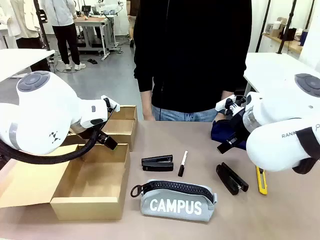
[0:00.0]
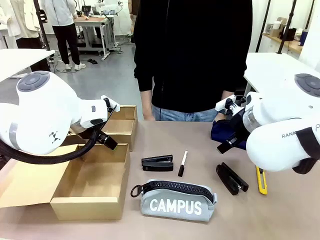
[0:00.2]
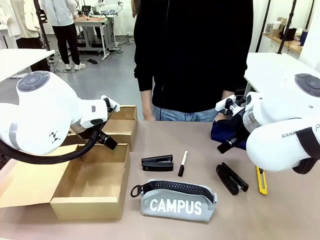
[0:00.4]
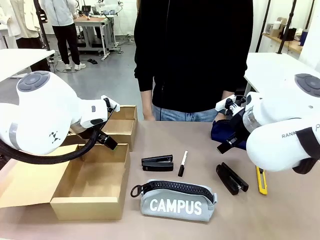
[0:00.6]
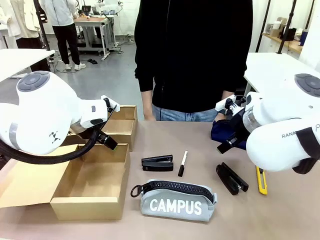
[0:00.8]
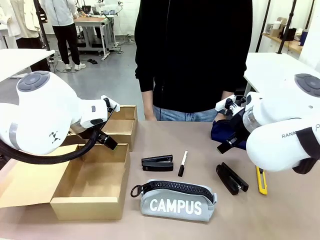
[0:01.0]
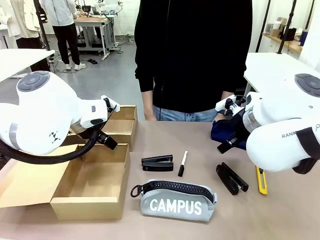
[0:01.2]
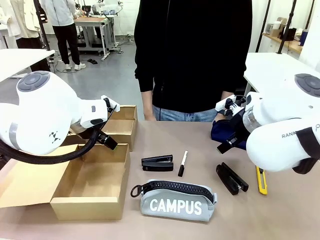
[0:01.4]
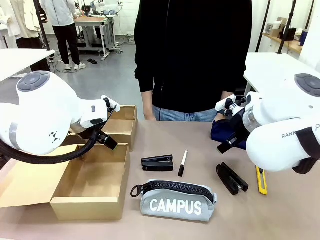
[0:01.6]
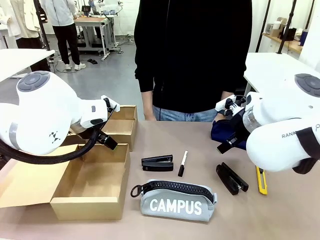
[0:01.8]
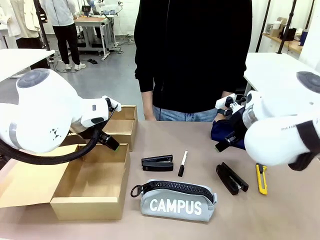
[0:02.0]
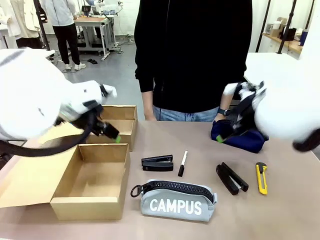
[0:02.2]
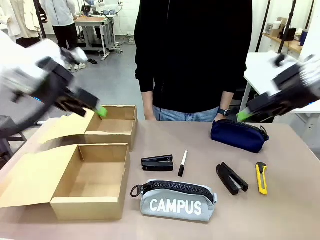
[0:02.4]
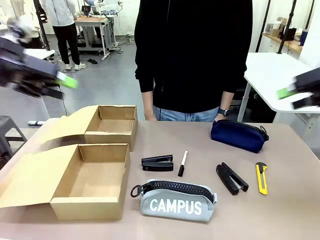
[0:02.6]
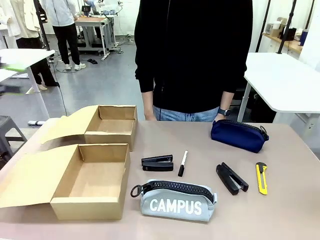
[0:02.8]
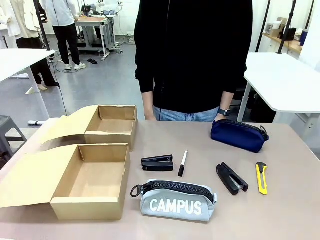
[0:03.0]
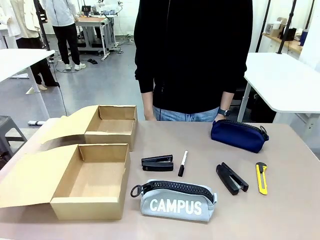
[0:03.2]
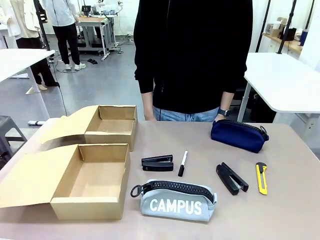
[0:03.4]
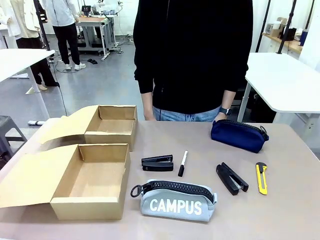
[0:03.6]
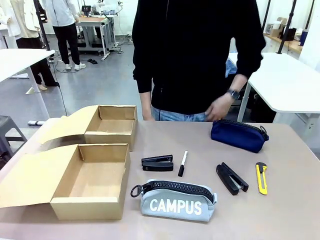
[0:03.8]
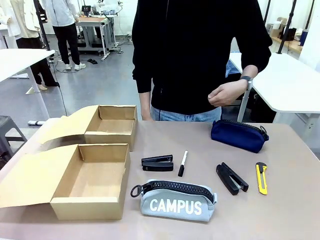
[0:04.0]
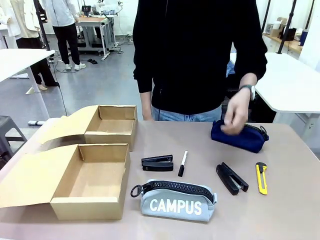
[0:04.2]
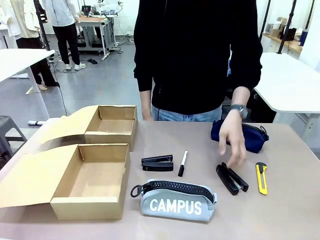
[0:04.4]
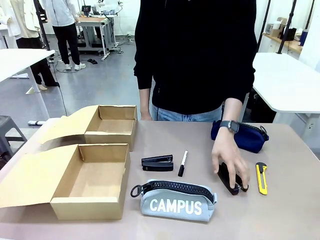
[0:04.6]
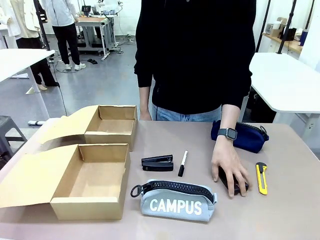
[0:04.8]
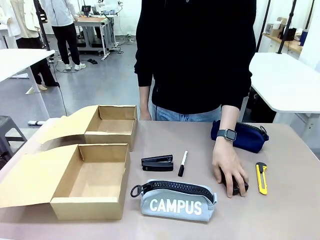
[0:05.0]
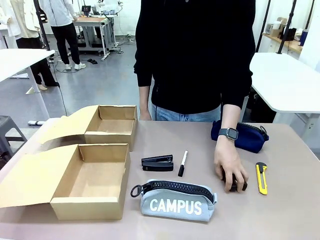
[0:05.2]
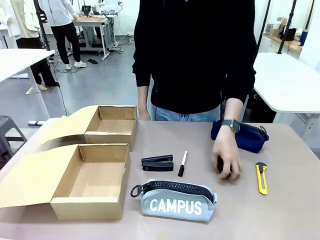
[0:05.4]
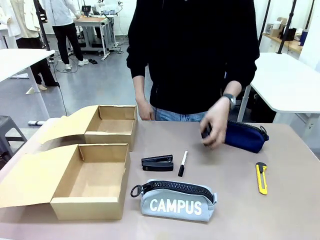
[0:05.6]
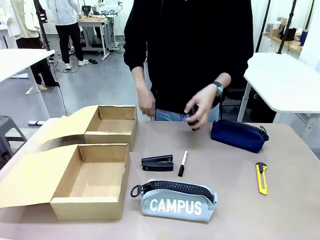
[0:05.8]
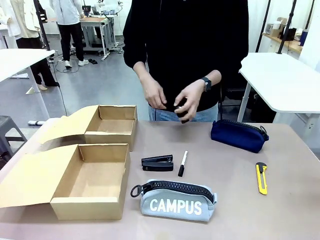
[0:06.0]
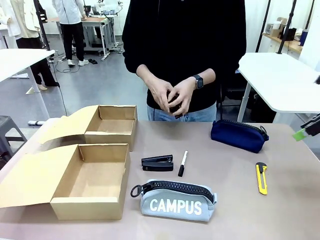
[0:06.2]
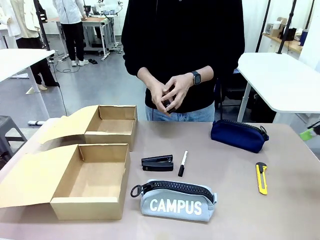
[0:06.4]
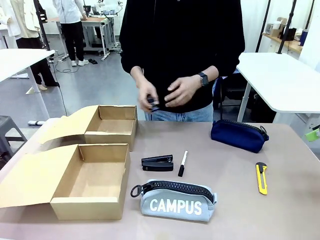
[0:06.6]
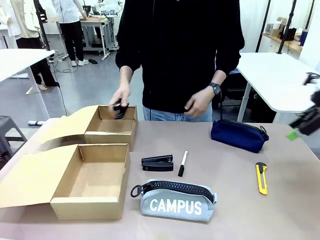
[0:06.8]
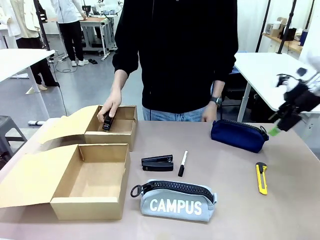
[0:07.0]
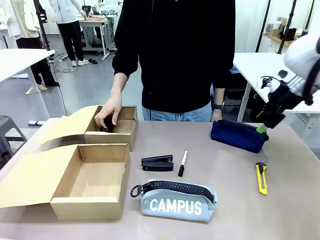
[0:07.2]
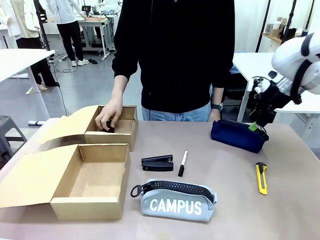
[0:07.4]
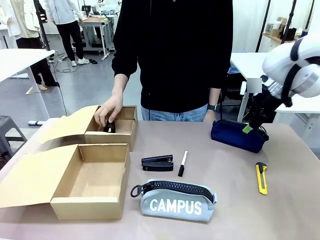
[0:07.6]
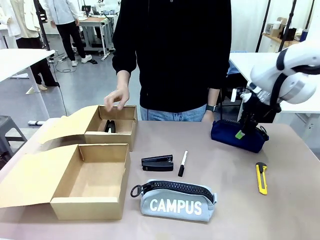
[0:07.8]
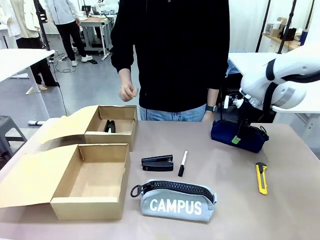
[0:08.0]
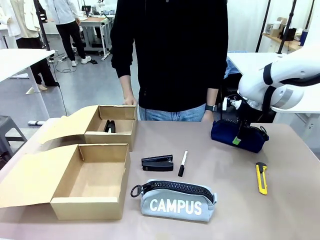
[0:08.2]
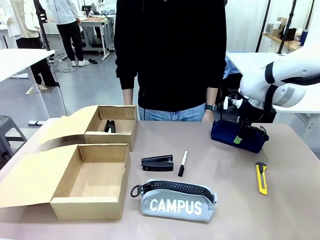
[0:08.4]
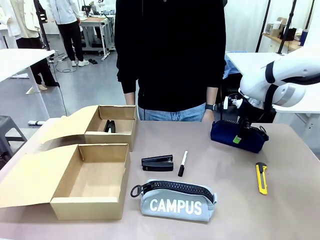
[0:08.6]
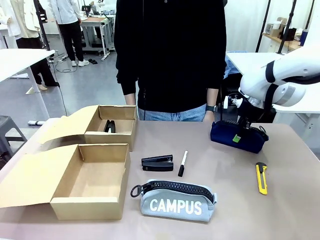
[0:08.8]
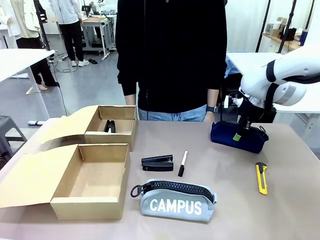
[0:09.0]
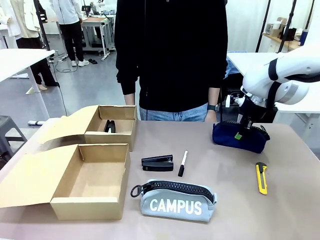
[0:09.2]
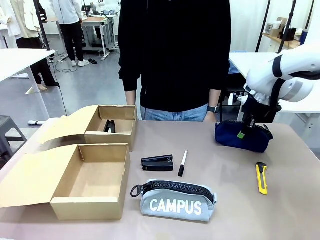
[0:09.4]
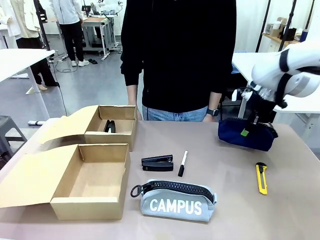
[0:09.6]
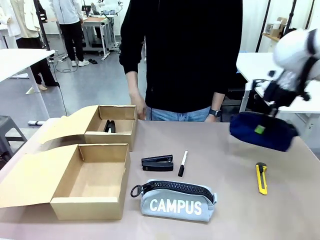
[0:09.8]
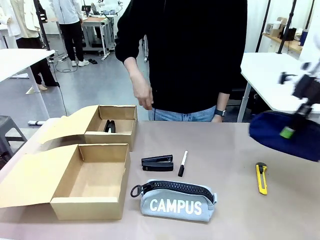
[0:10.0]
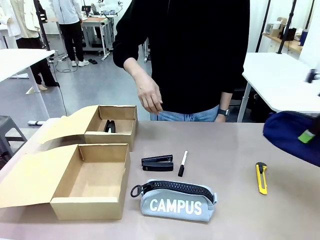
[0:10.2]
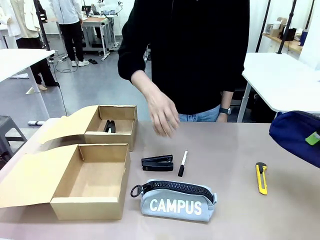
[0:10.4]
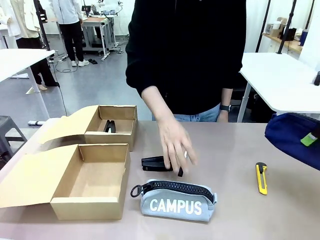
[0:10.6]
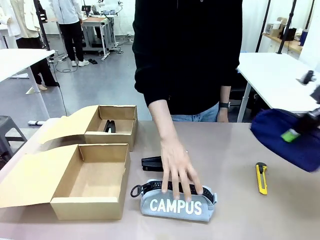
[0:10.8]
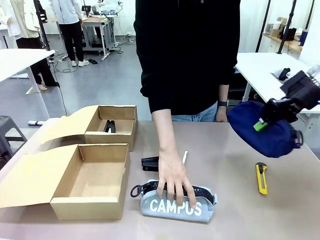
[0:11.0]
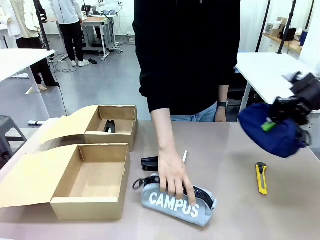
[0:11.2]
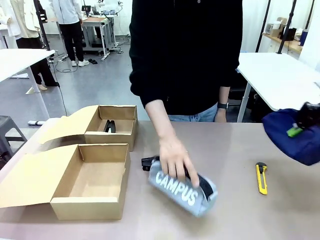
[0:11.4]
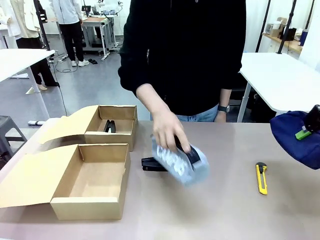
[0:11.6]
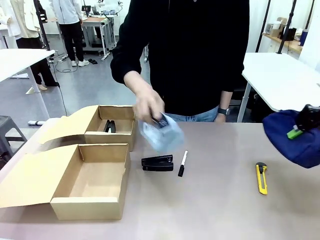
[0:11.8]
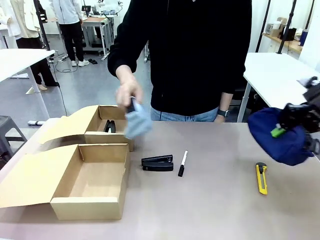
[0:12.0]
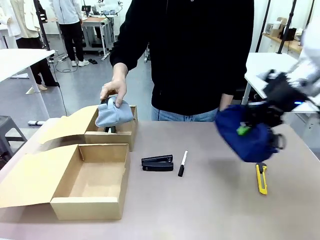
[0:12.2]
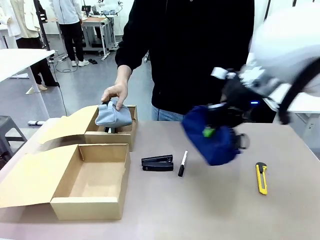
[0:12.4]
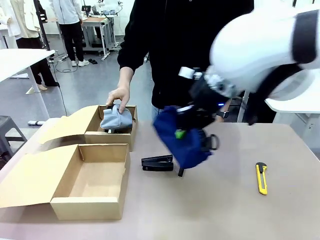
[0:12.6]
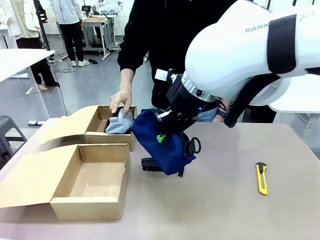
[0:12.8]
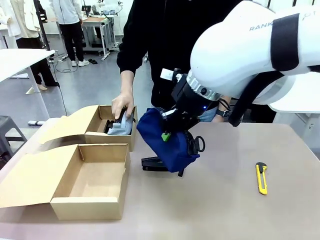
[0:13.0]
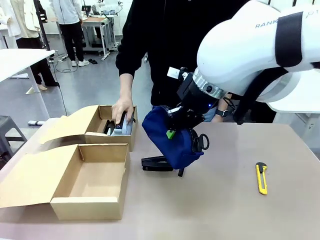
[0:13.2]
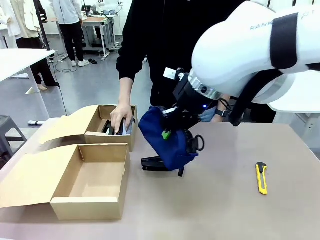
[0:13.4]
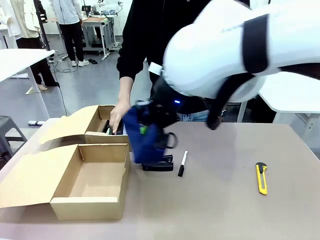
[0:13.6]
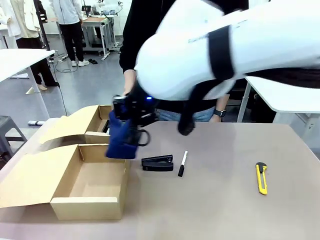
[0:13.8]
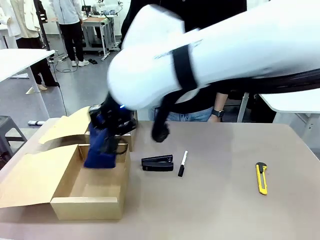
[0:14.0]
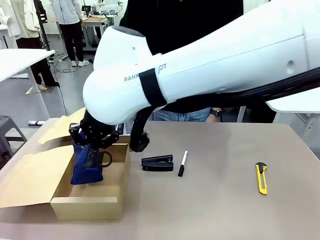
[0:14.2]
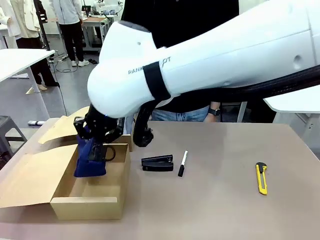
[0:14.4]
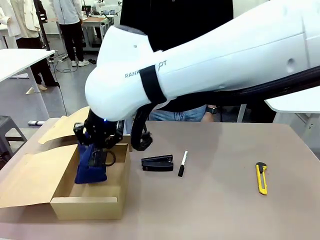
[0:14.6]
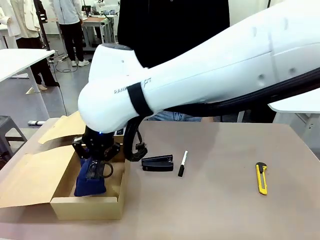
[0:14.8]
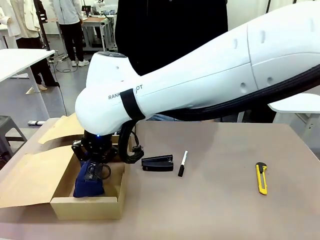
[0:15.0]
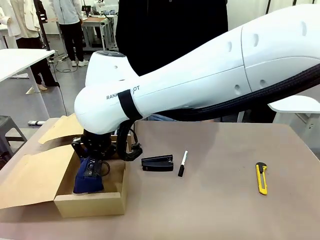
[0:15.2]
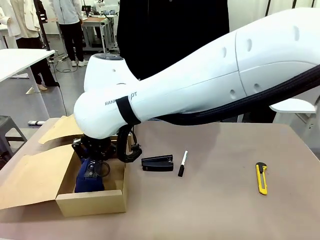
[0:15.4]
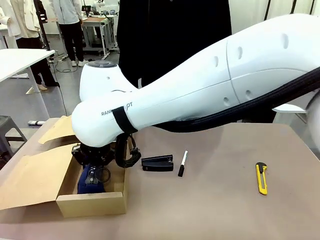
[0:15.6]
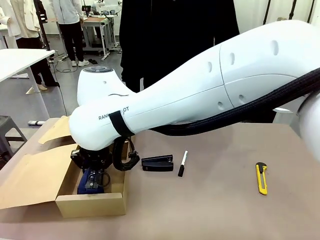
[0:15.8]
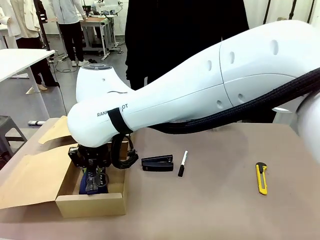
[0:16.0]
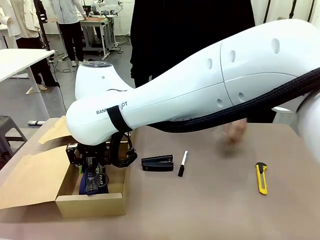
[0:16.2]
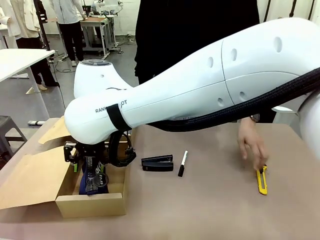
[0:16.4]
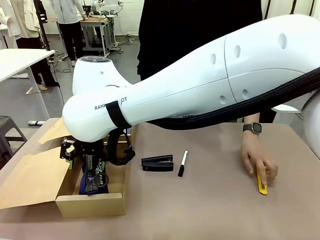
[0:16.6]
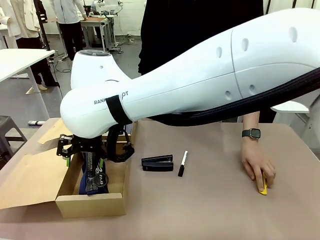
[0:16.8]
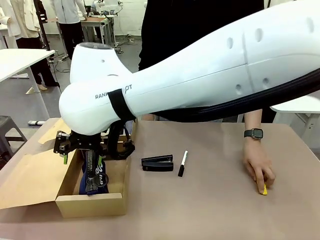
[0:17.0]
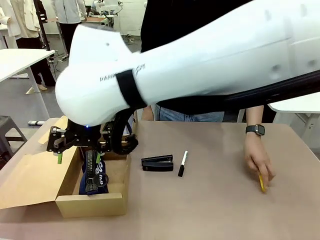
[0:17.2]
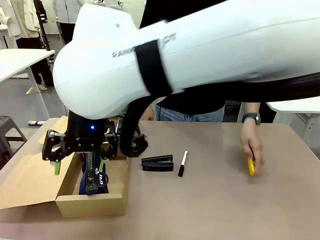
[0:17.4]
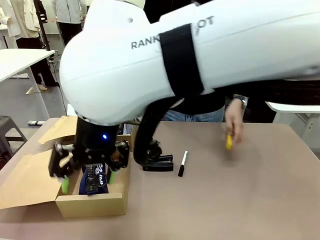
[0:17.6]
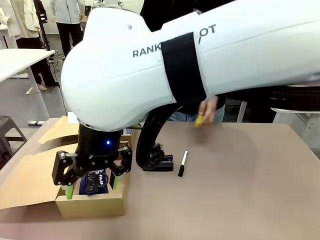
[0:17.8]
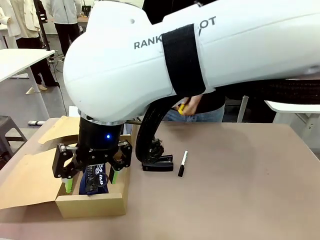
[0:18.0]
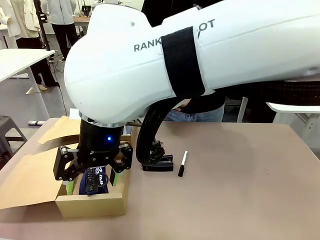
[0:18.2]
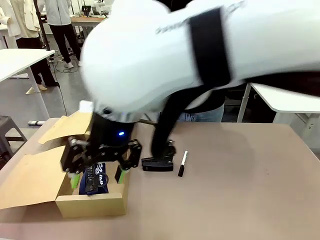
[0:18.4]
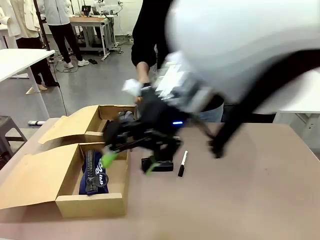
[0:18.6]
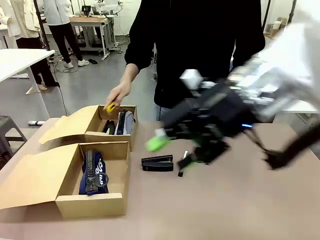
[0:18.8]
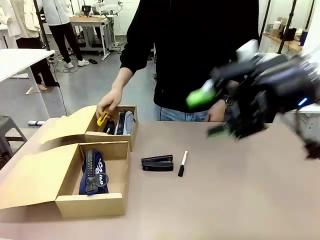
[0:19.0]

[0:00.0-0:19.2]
Task: Place items inside the box.
Robot: Pick up a Pencil pouch or Stapler and place it inside the Mailer Box closest to the robot.
Person: Pick up an object on the table and put it in the box.
